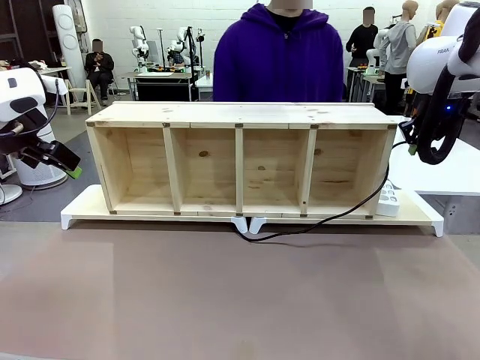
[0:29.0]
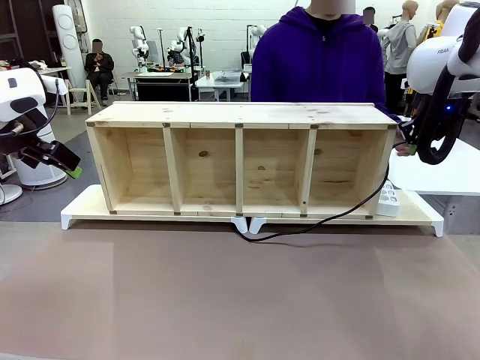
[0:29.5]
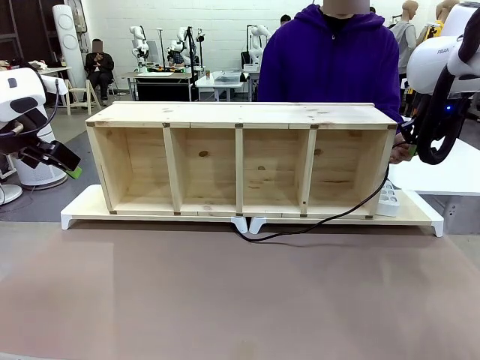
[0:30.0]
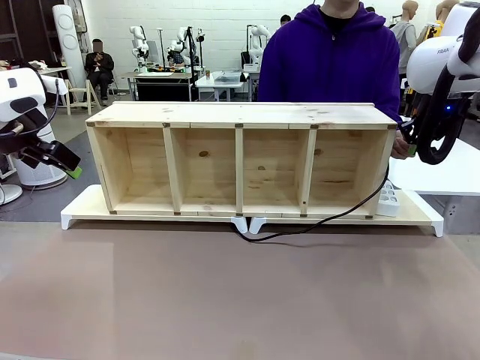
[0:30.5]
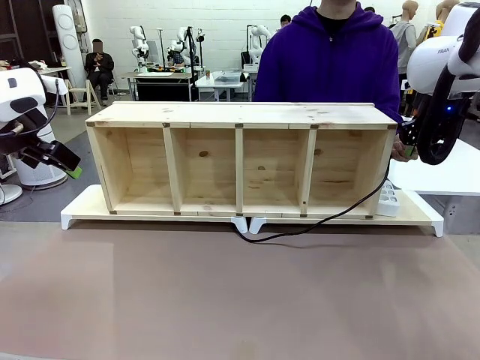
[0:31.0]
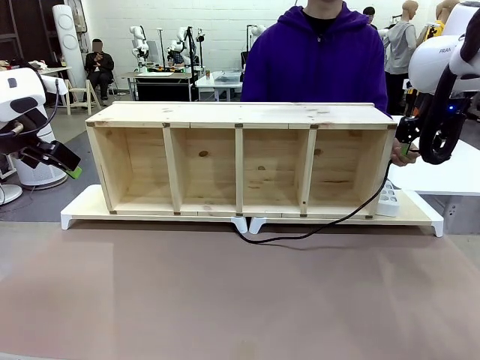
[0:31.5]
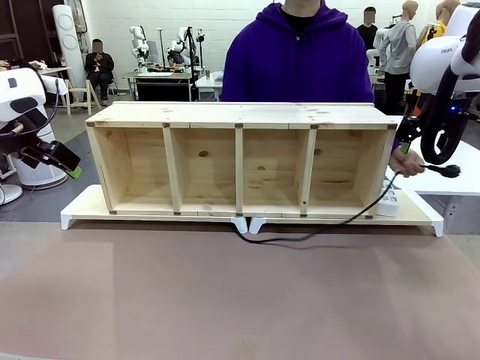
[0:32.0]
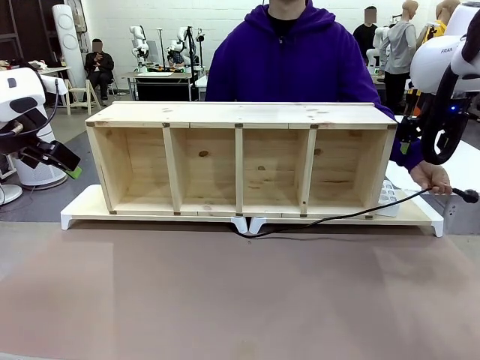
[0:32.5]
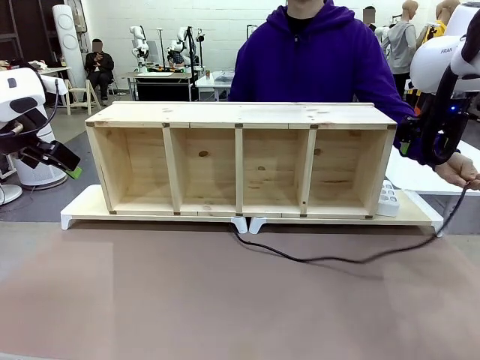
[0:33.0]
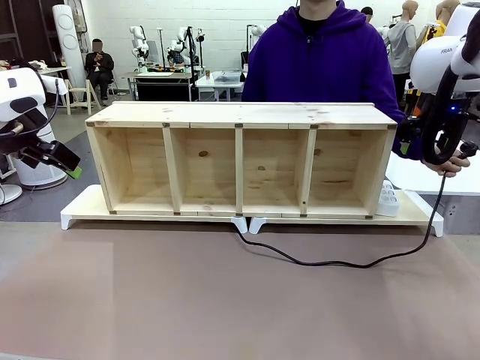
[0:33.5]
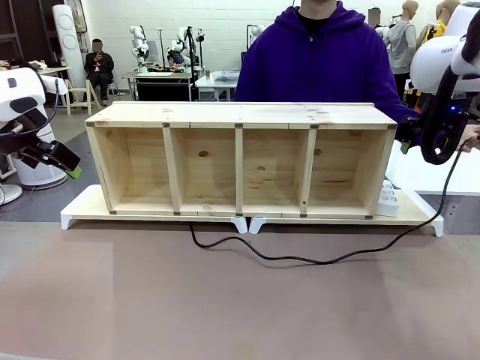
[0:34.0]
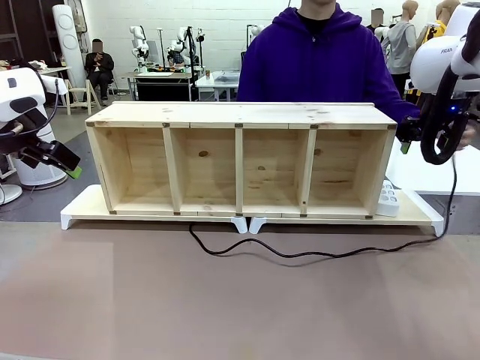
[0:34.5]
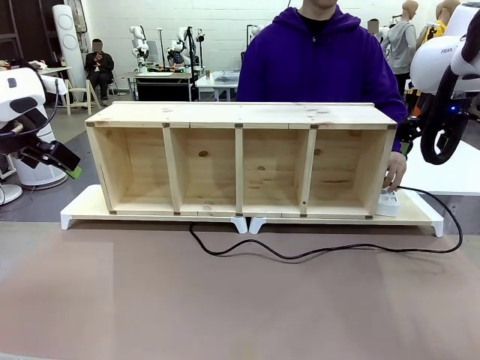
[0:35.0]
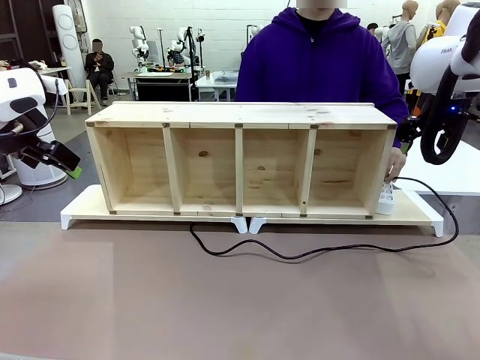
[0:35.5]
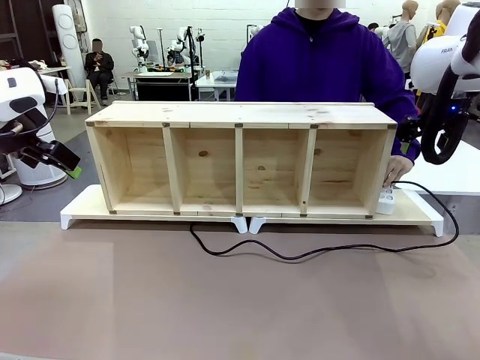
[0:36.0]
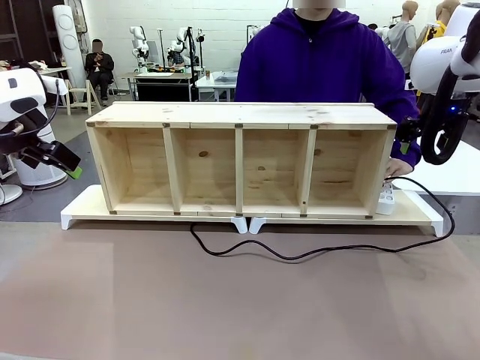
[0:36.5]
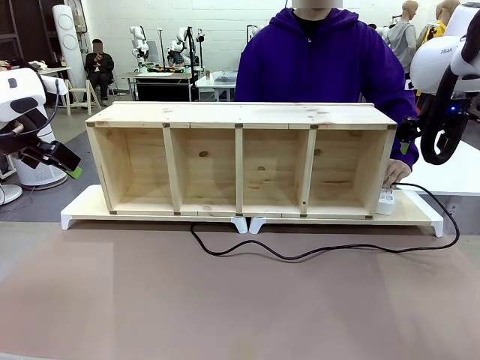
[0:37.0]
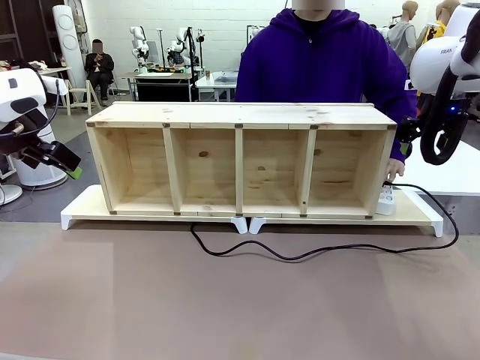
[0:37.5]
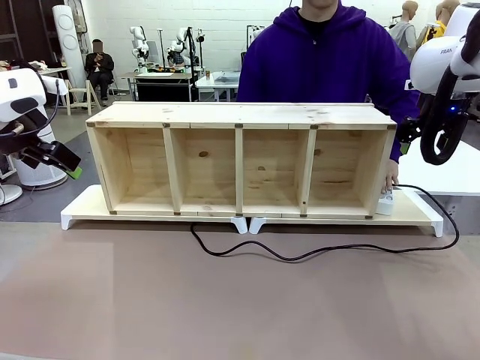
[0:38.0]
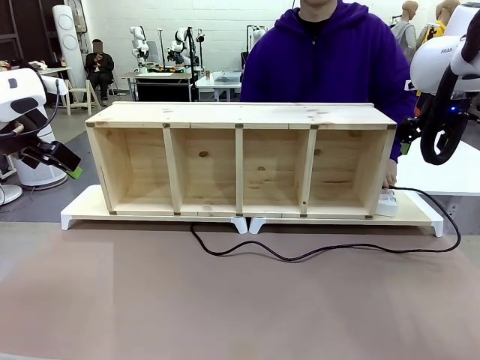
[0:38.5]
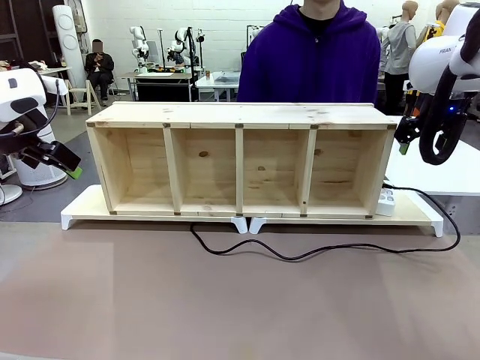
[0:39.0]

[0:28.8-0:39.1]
Task: Perform cable management.
Robot: Release the Power Cable when the human grasps it.
Person: Plug the Power Cable into the Power Strip.

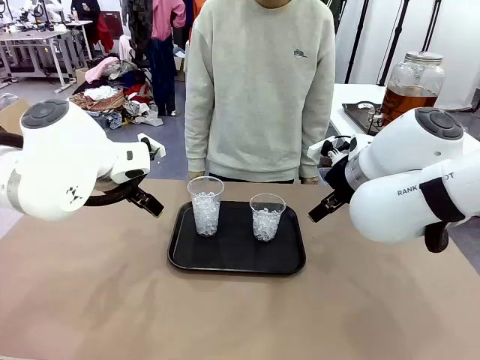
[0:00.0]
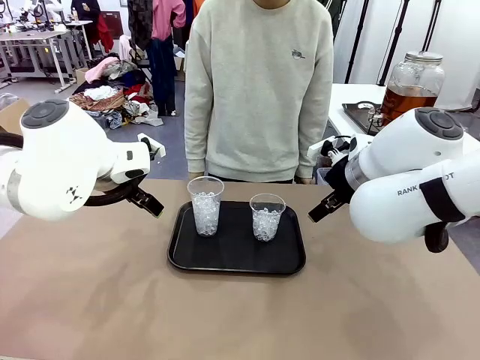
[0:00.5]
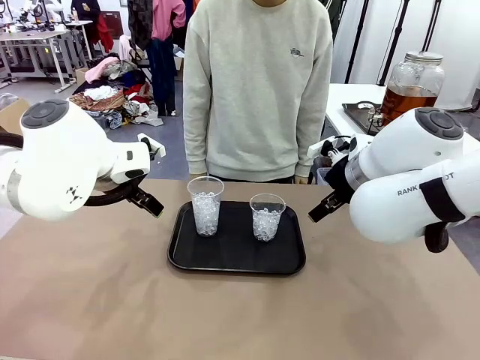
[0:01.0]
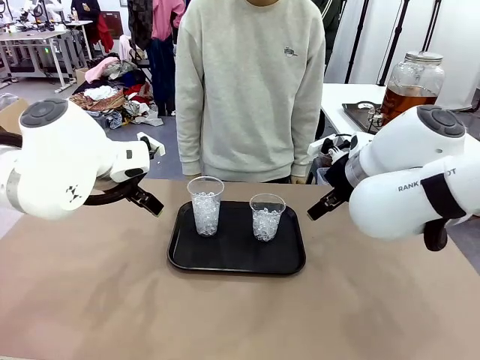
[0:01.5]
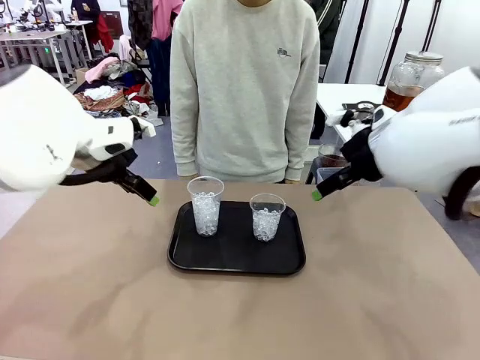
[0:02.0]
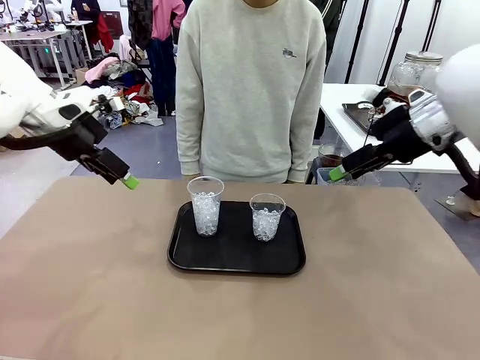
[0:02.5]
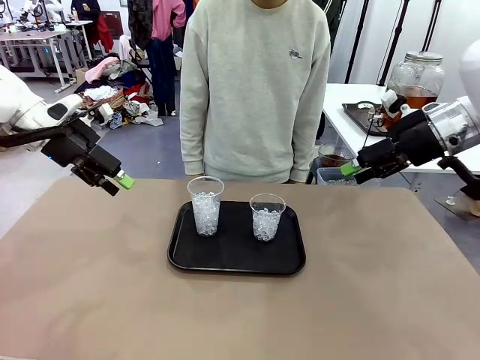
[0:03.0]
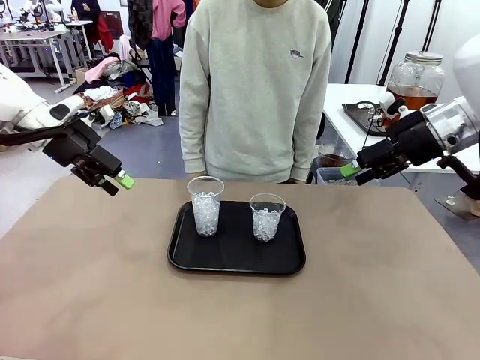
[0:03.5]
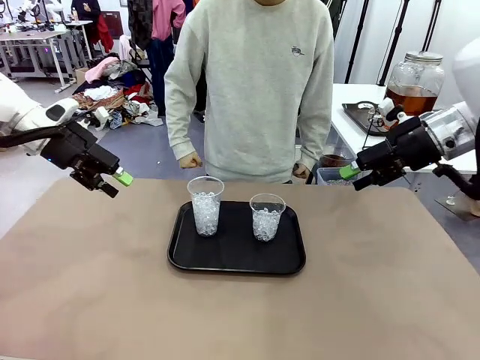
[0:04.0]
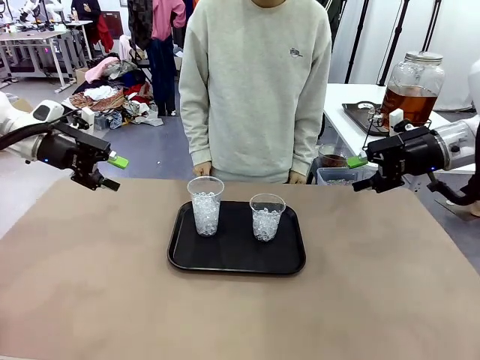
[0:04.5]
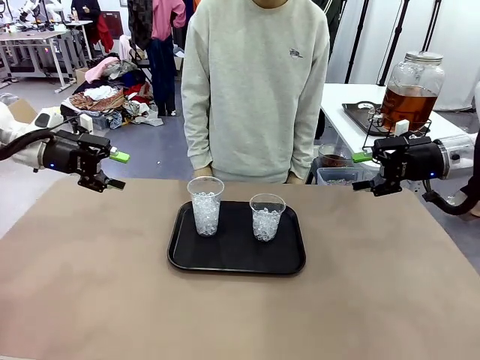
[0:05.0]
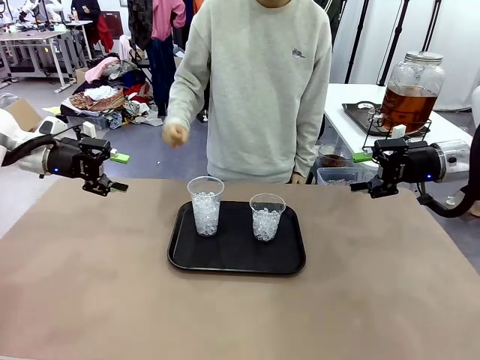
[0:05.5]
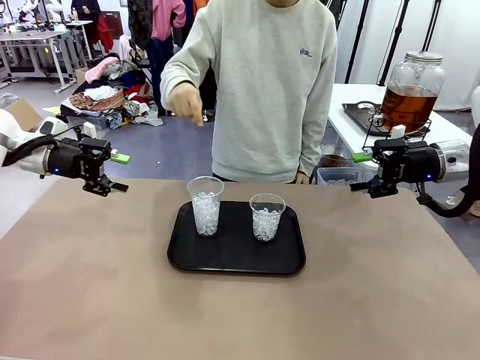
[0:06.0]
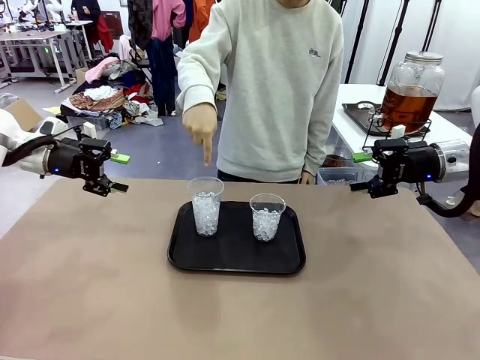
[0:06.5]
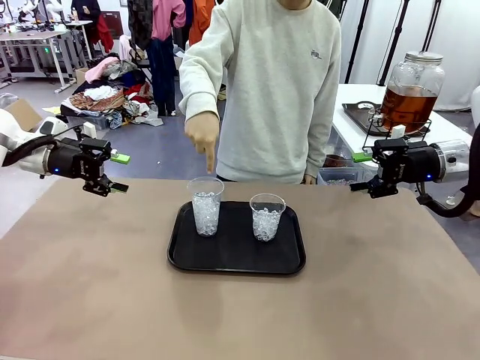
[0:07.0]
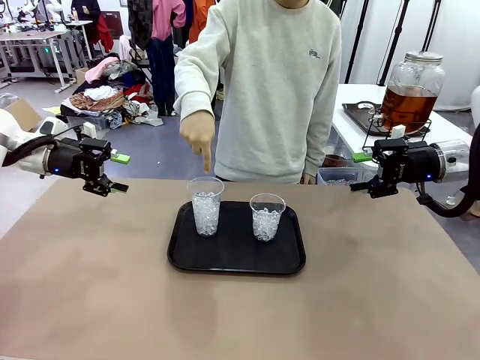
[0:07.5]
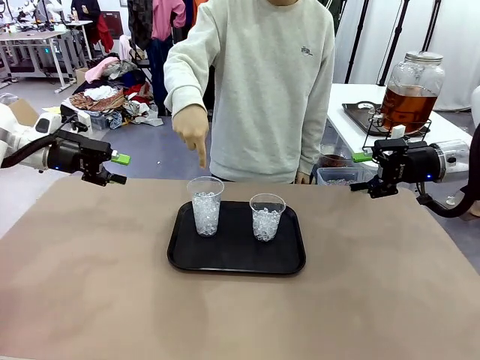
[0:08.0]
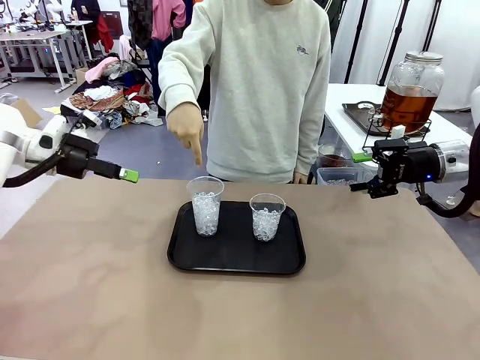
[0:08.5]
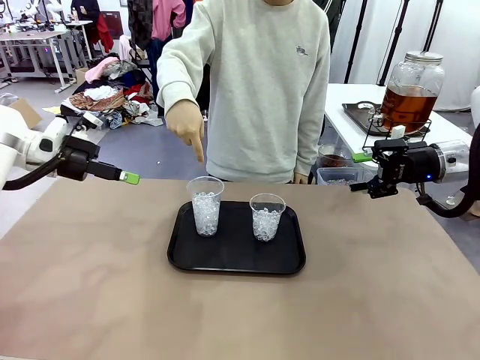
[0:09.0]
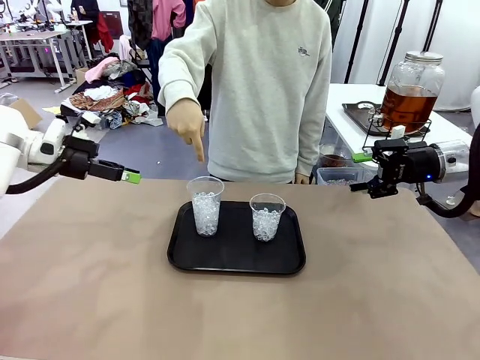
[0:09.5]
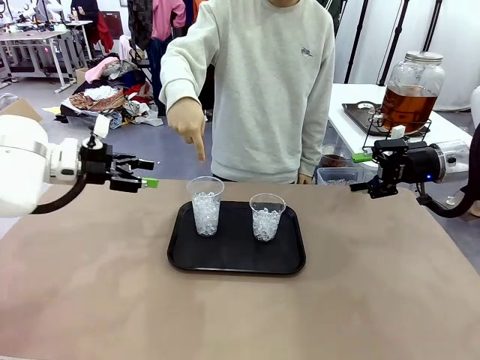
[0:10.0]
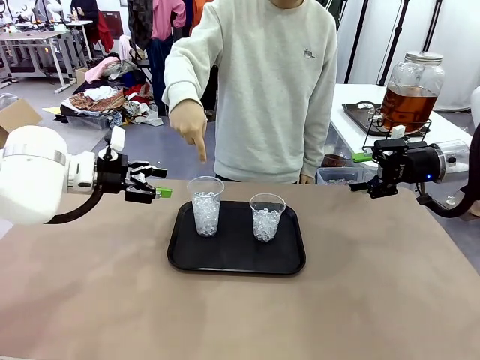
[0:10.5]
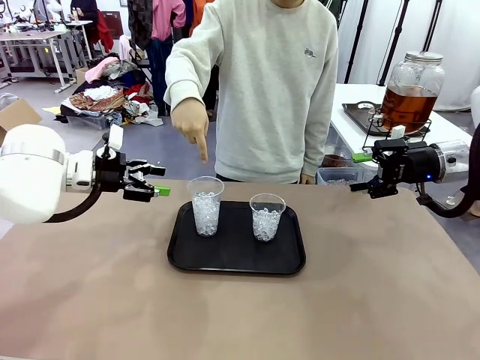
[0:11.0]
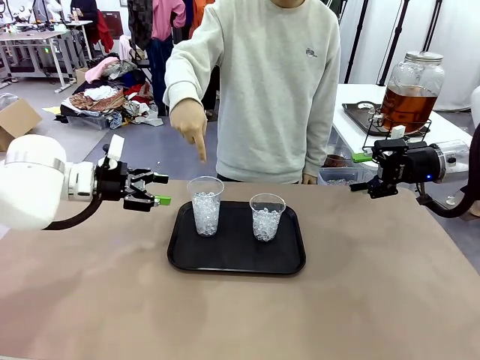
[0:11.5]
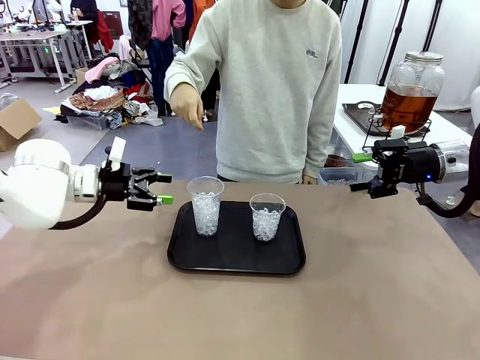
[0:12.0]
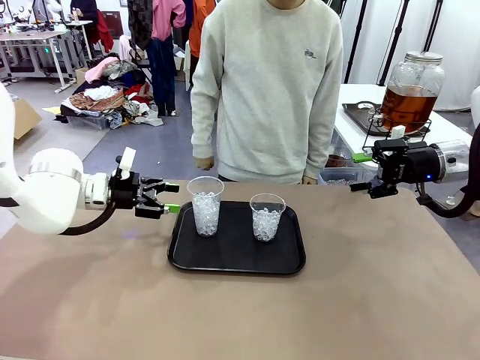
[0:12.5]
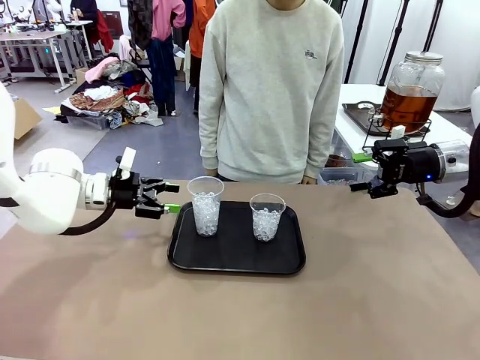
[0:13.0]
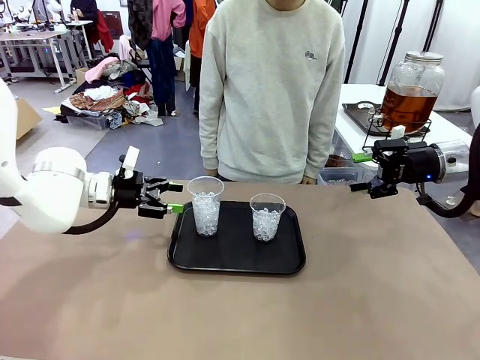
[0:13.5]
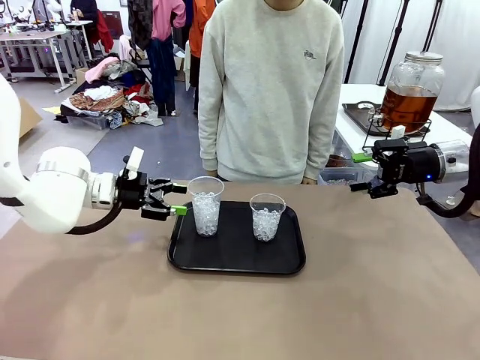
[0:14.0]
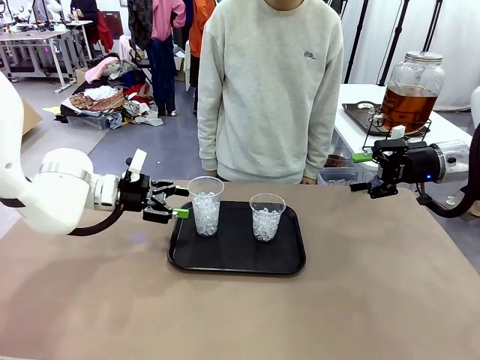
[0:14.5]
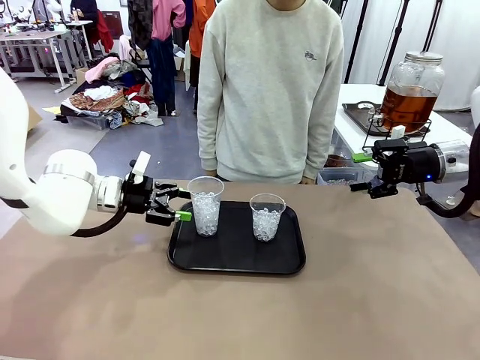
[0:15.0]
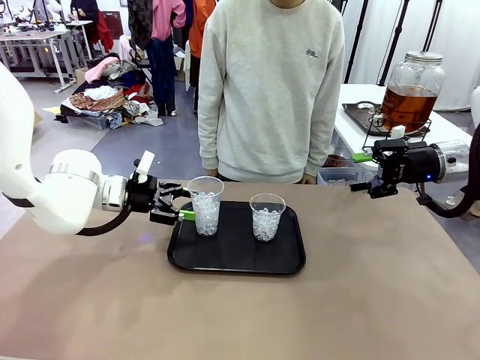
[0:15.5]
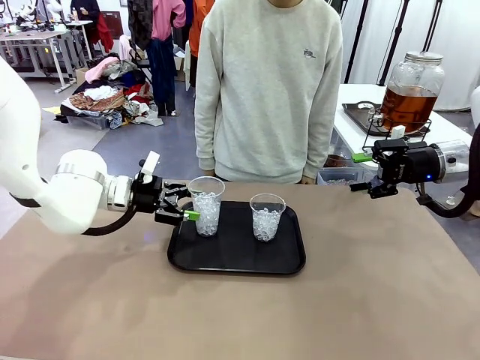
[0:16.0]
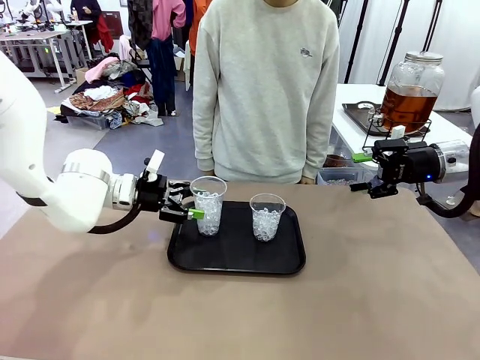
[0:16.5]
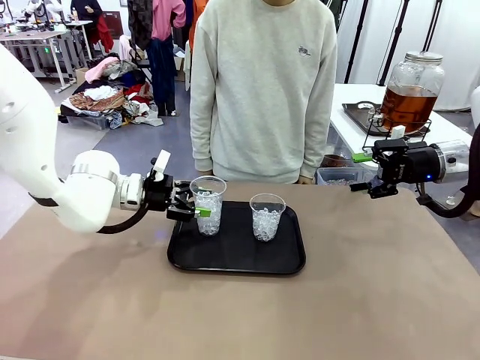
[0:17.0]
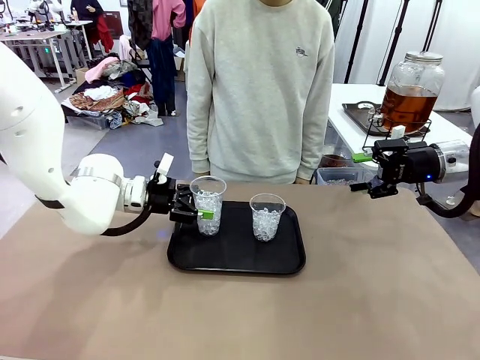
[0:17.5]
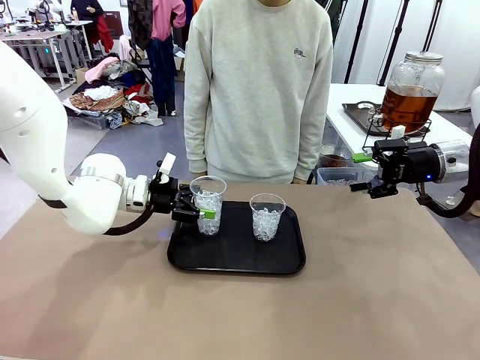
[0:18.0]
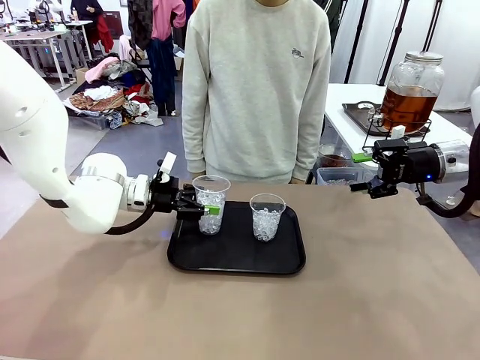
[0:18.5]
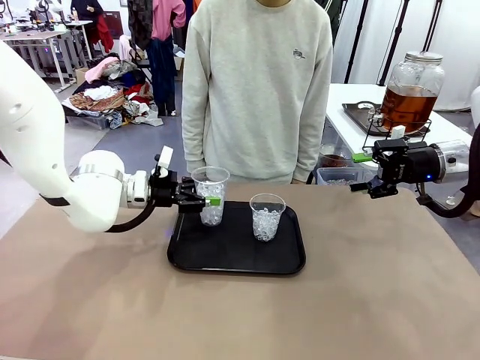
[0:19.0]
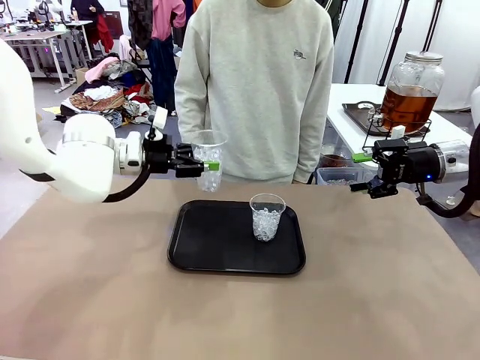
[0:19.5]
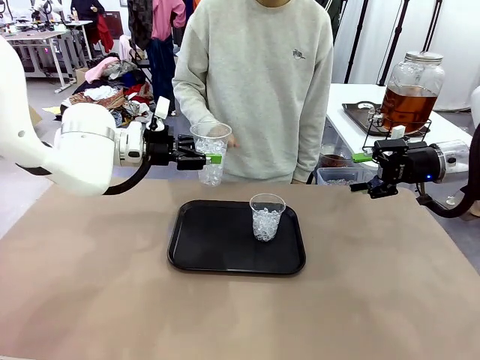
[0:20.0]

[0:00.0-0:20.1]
Task: Pour the drink into the iced cup.
Robot: Pick up the iced cup indicated by the human and present it to them.
Person: Point to one of the two ice cups. Pick up the cup offered by the robot.
